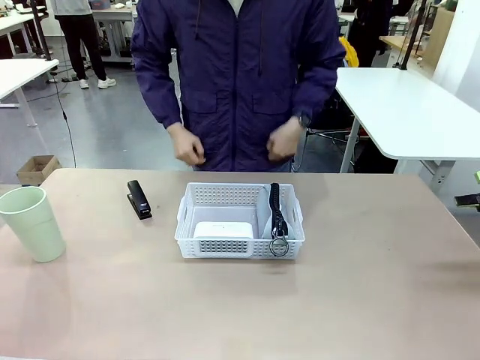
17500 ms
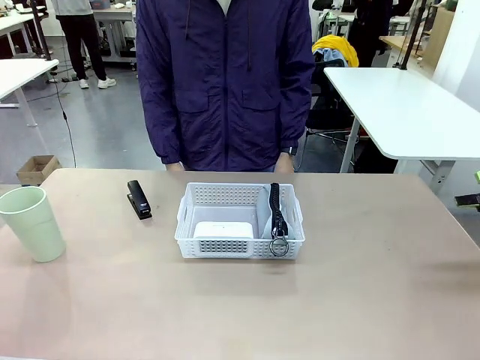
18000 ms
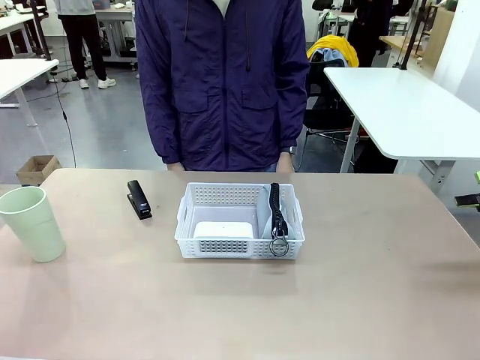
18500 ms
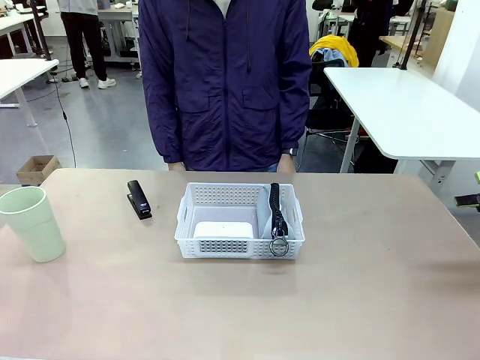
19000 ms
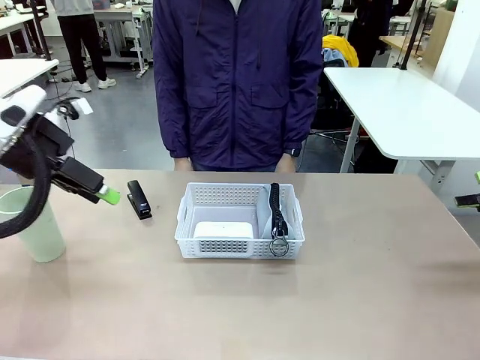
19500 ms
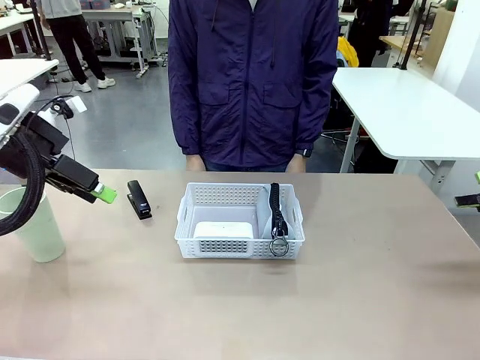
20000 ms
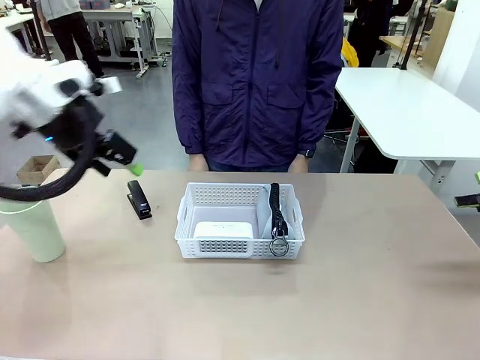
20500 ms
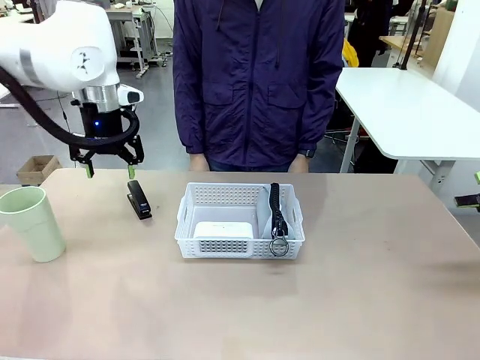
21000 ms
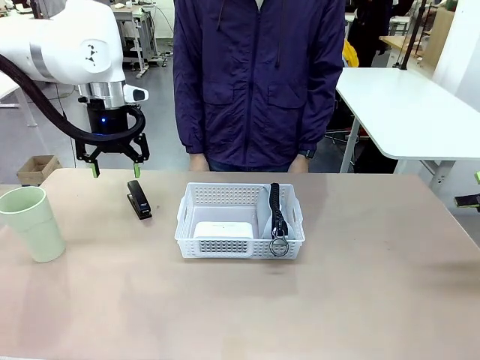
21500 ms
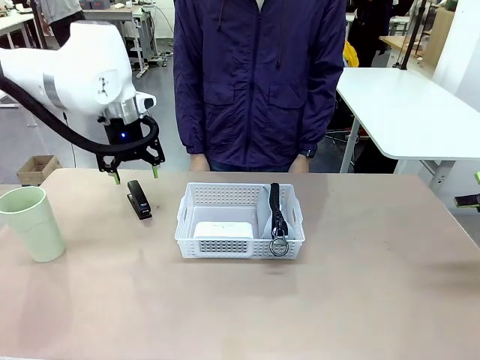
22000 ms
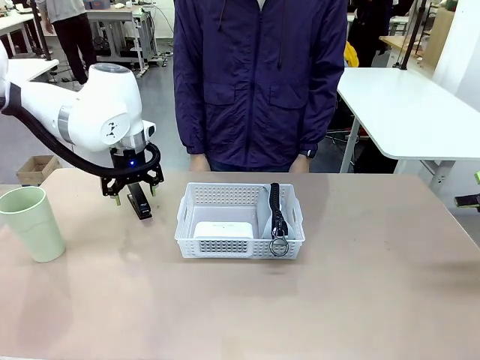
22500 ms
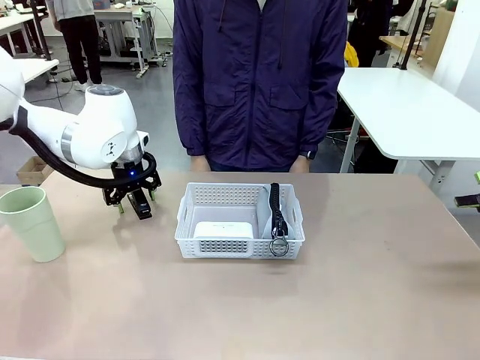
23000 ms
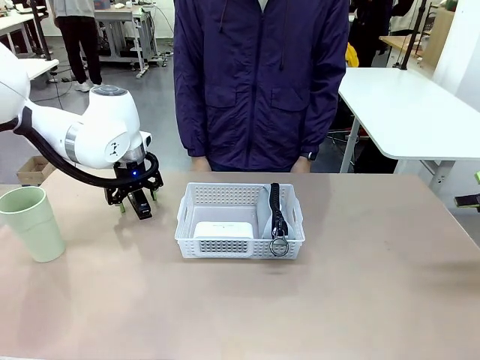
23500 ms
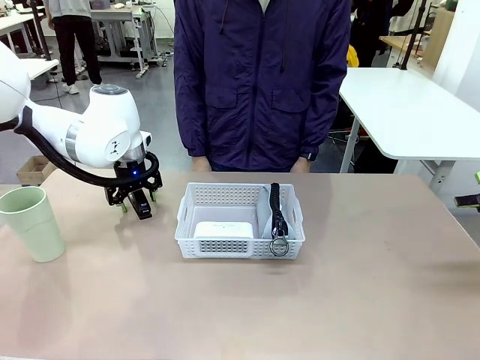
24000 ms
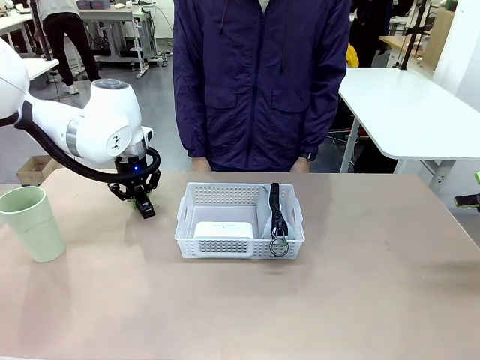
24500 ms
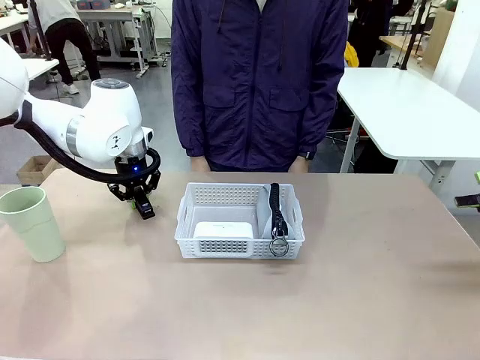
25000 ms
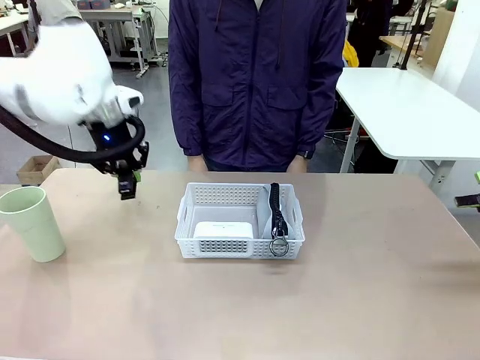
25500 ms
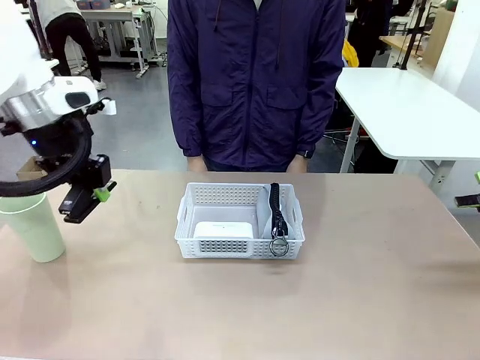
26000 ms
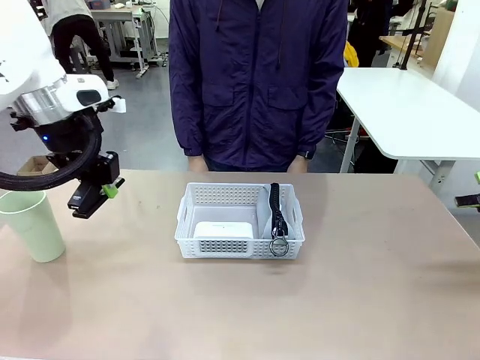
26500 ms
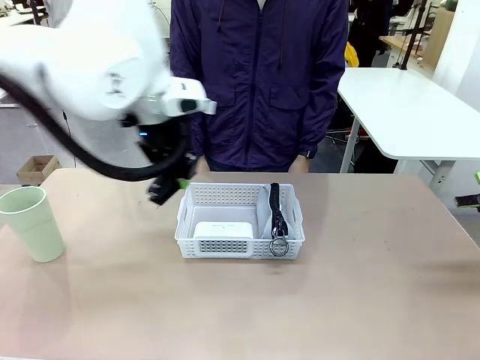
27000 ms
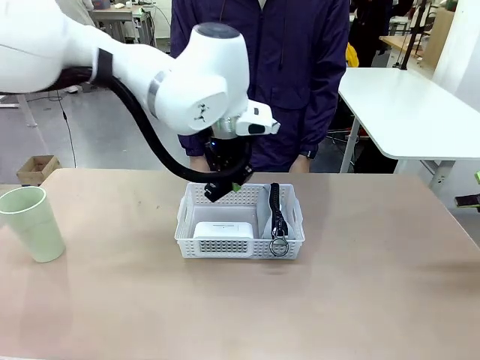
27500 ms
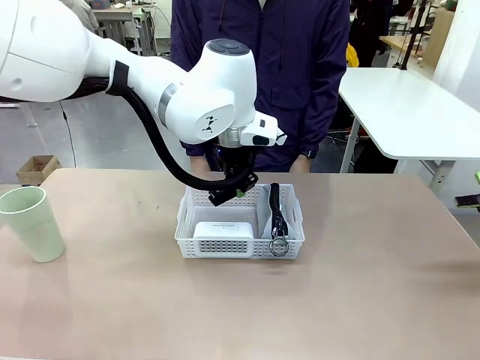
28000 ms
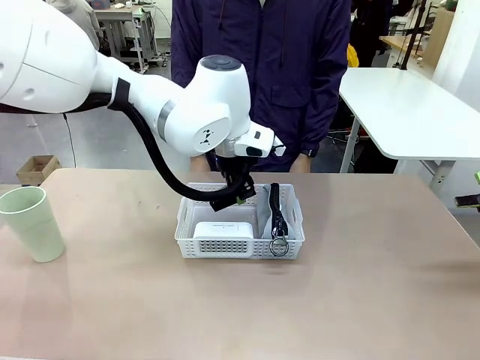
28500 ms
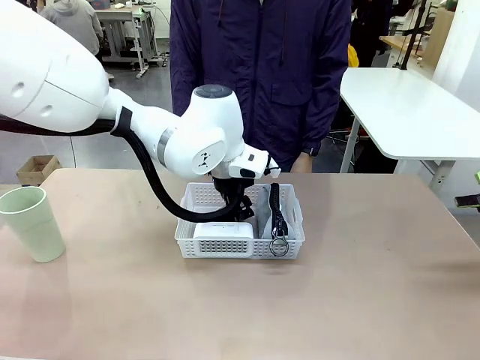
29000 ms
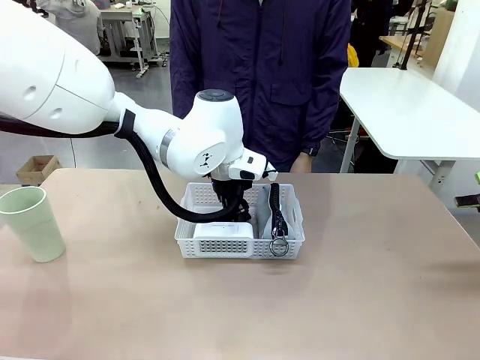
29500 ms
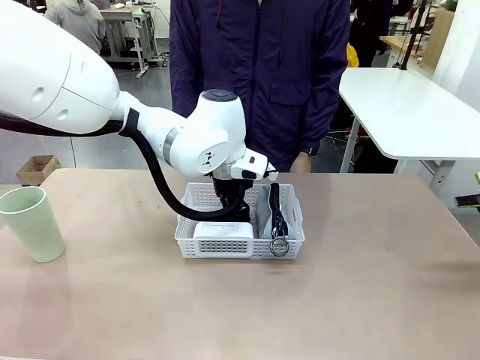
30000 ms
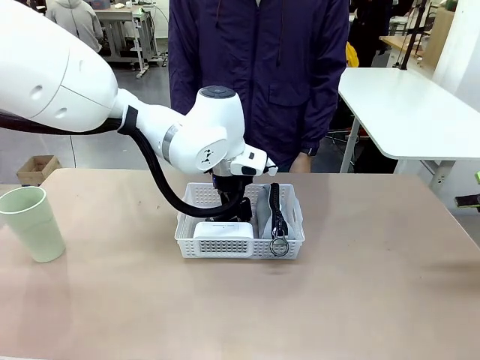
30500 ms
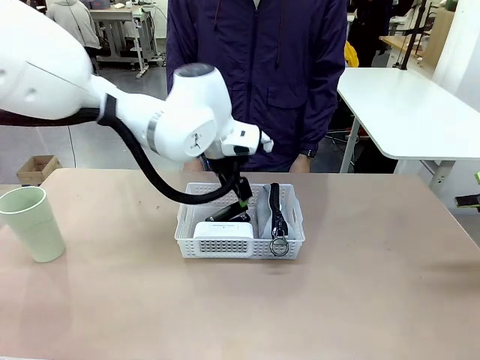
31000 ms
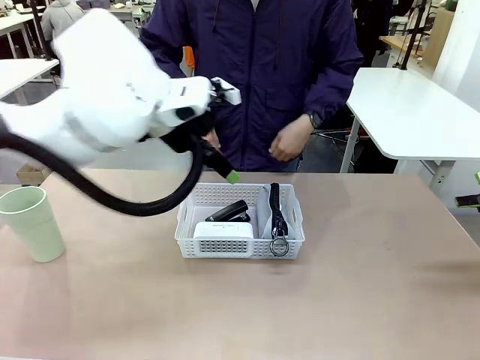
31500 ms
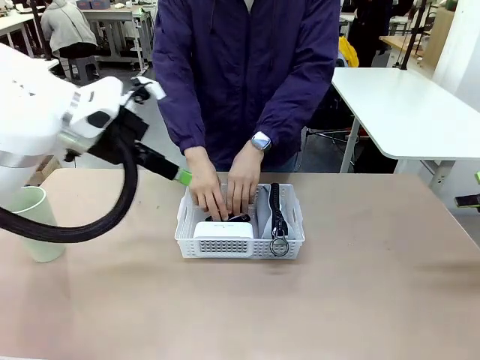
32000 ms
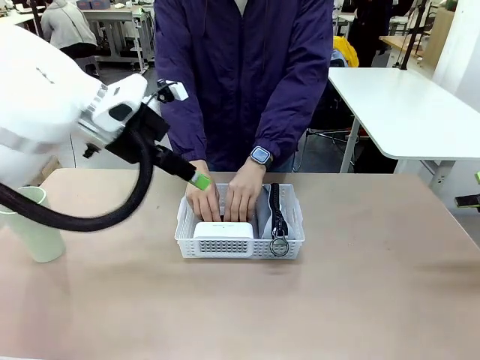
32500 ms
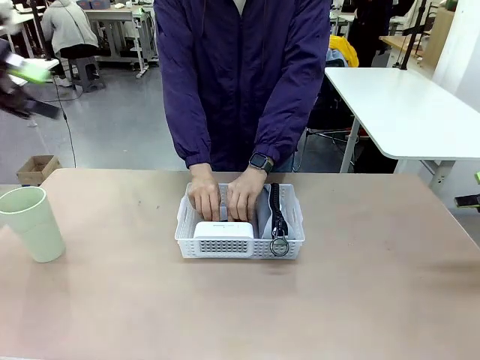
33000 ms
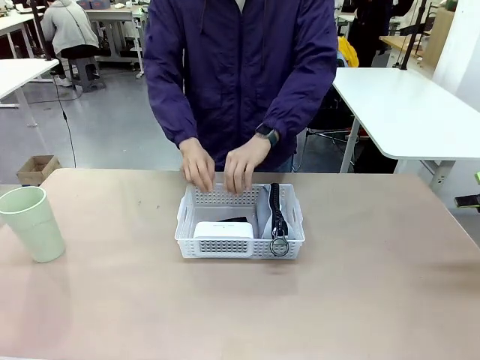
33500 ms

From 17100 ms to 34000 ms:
Task: Efficiently arrange items inside the basket to fit them all.
Robot: Pick up the Stapler and place it inside the Organizing basket.
